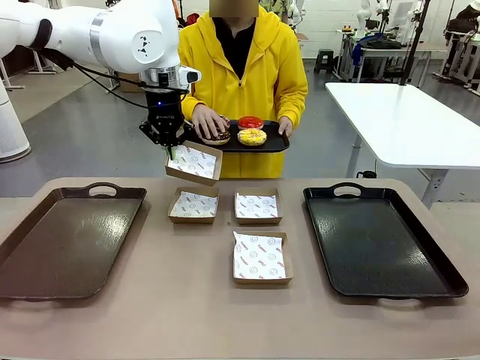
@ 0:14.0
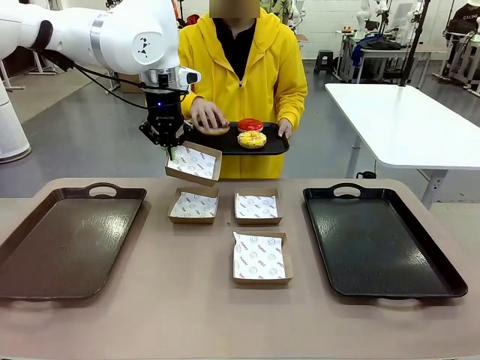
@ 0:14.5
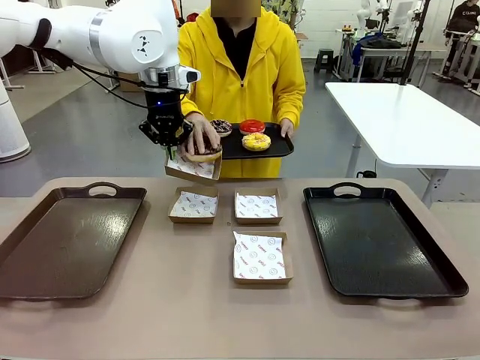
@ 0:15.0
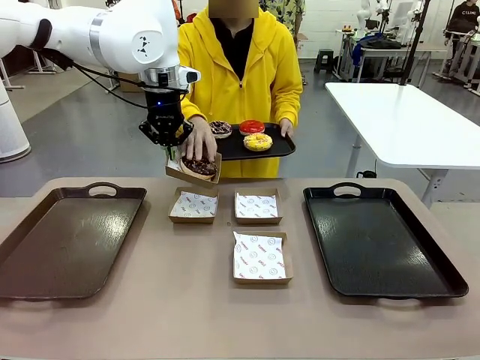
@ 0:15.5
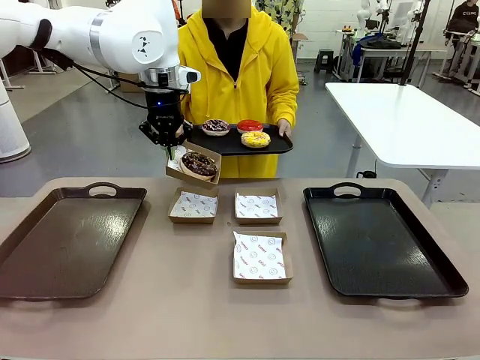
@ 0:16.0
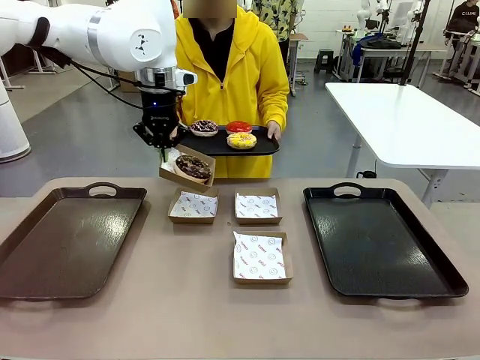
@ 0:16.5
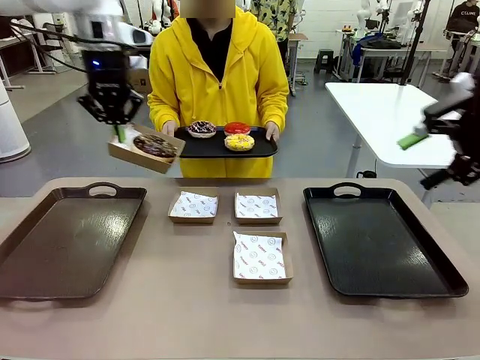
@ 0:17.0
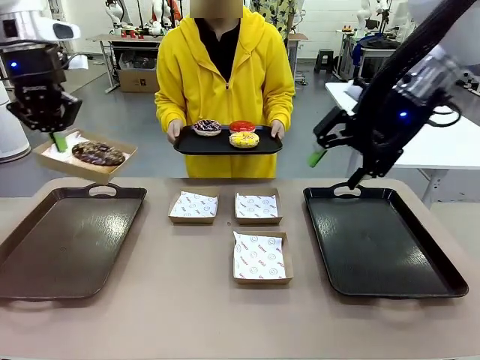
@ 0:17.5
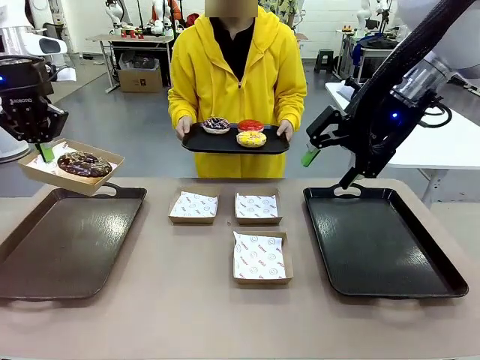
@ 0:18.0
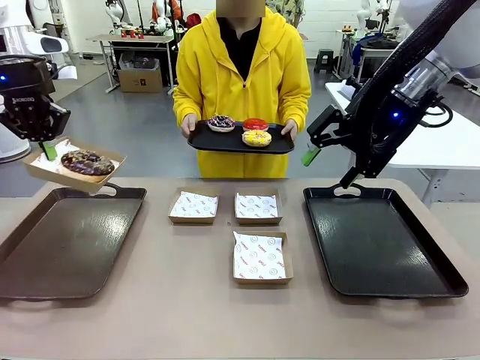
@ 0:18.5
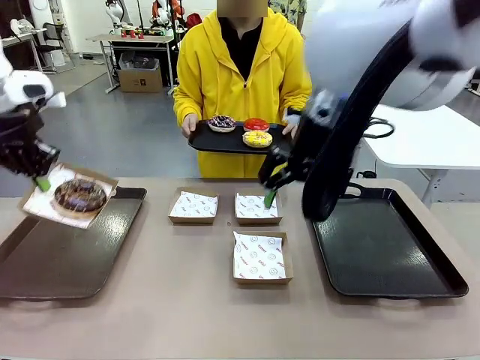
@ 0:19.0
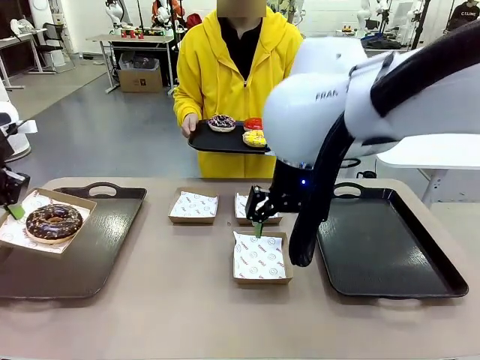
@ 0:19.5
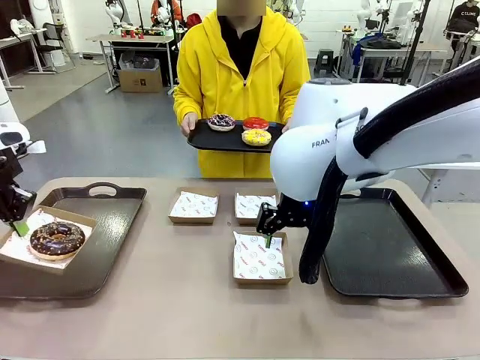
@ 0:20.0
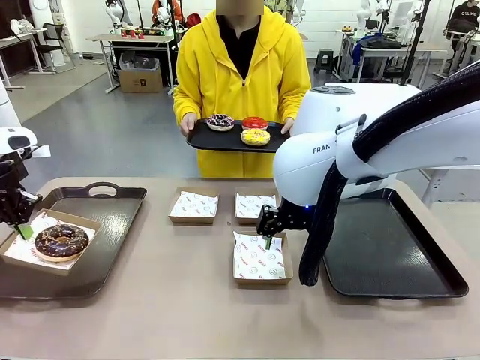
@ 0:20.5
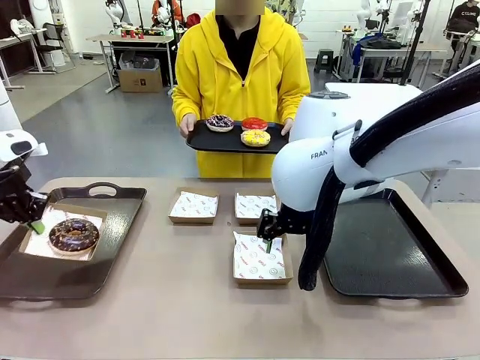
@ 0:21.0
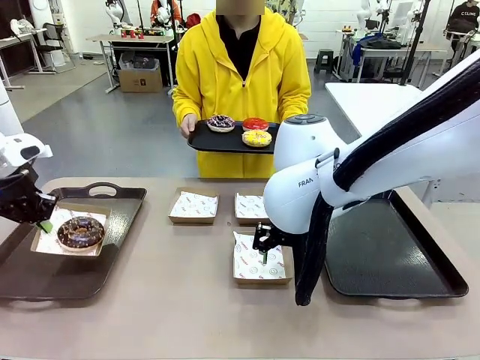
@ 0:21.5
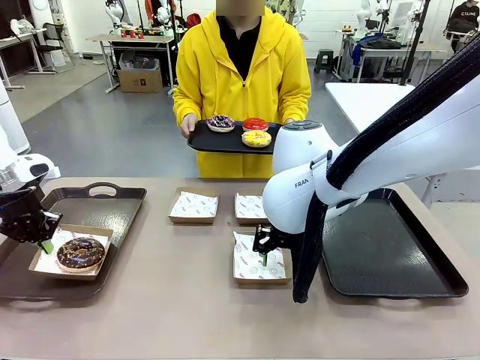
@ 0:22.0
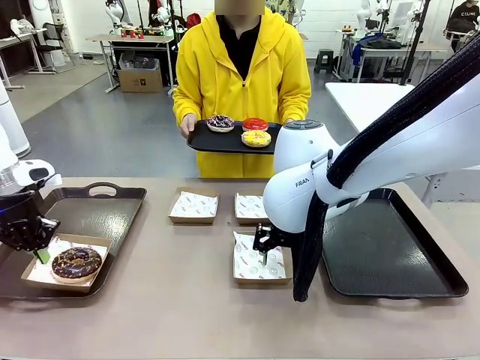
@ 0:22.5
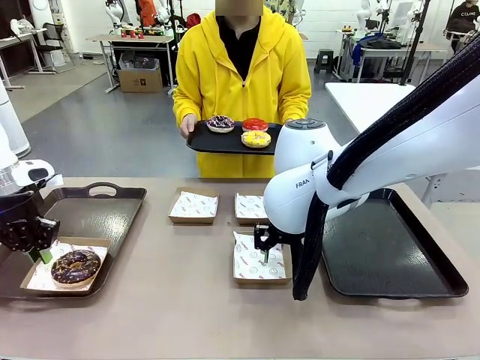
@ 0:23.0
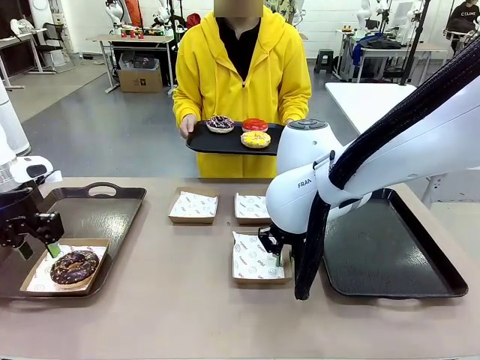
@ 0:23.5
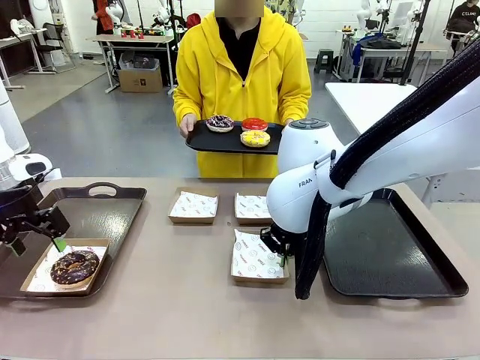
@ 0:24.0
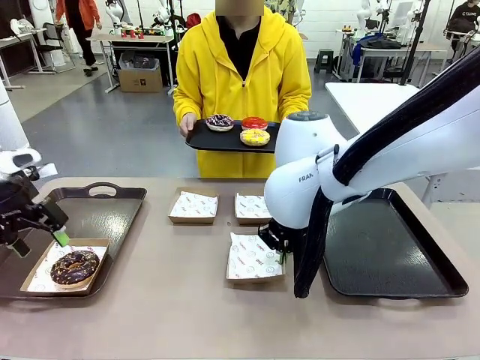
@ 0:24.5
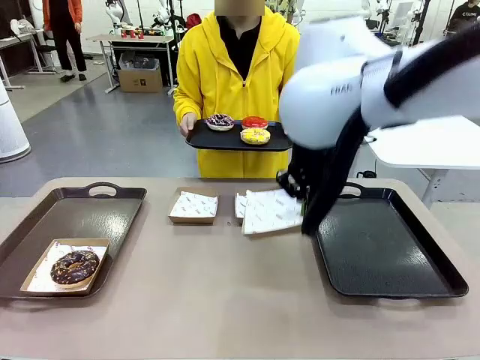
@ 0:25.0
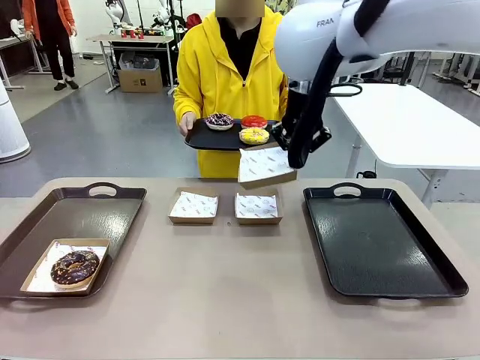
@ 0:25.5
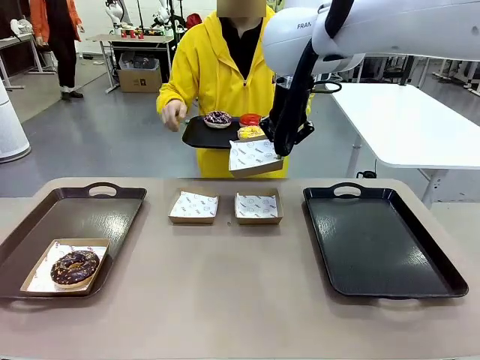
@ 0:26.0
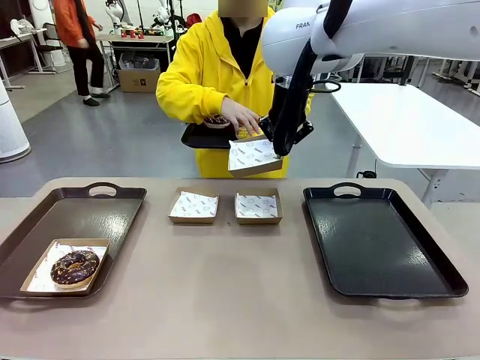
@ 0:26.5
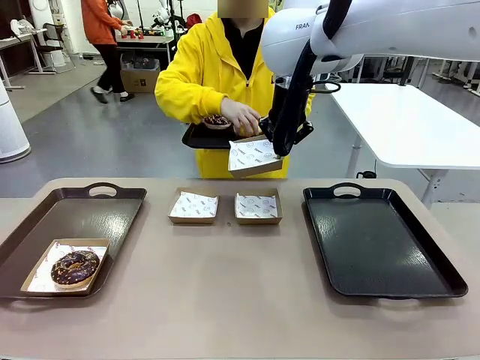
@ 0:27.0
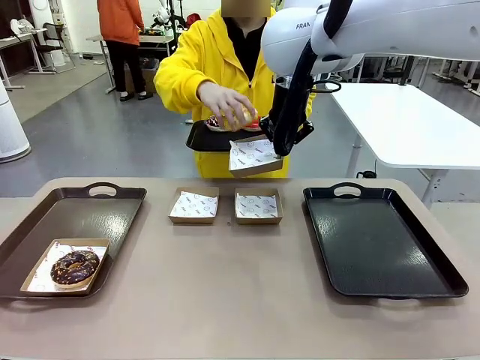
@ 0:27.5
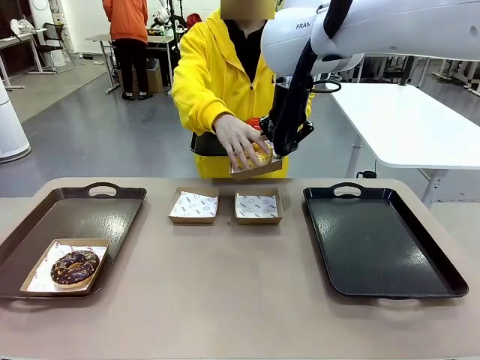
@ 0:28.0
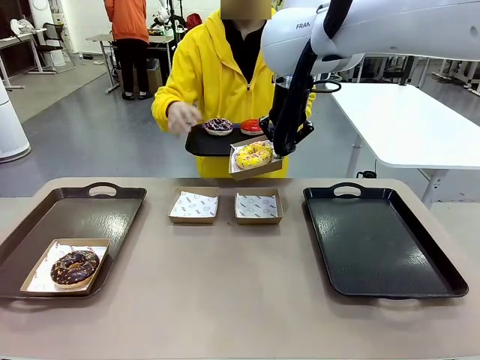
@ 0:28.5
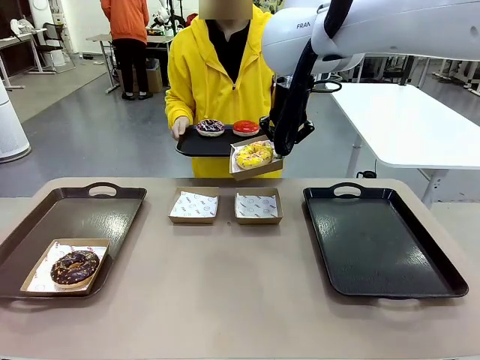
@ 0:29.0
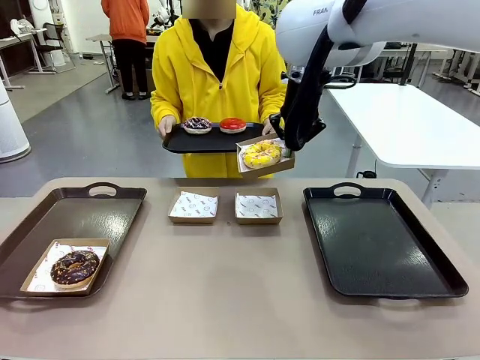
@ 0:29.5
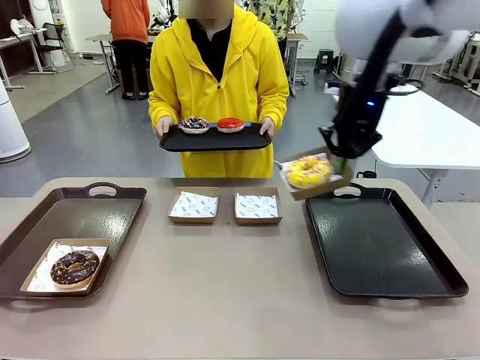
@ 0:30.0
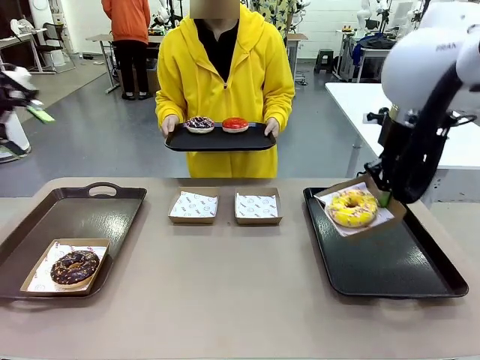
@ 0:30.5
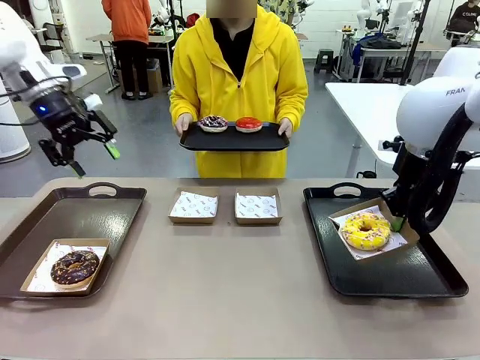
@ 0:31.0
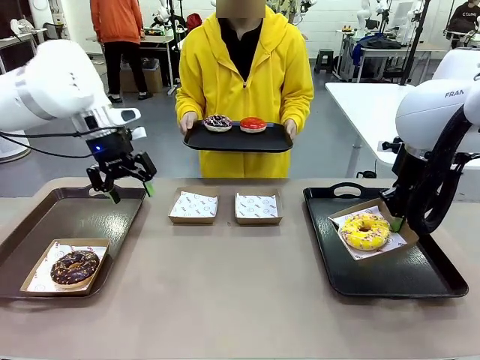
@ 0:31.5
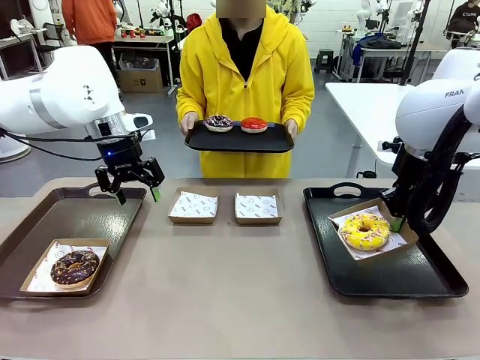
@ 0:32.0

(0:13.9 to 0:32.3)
Task: Individually package the donuts and arrange them on the tray.
Robot: Place the picked Paper togo box on the Handle tray while simultaneously picking up another Paper togo box from the table with the other hand.

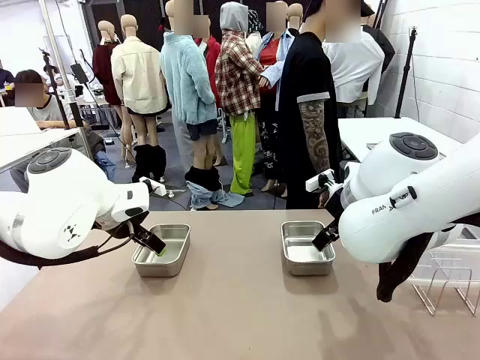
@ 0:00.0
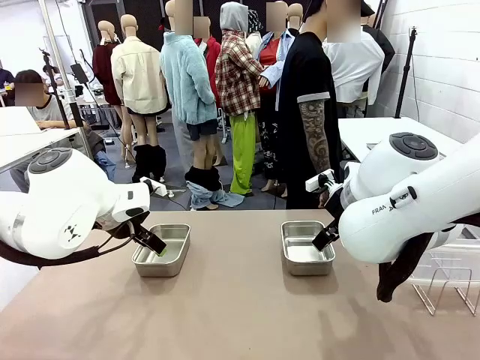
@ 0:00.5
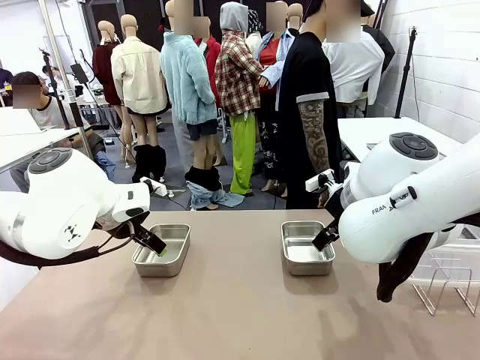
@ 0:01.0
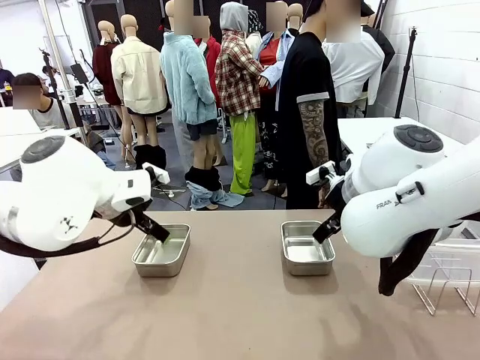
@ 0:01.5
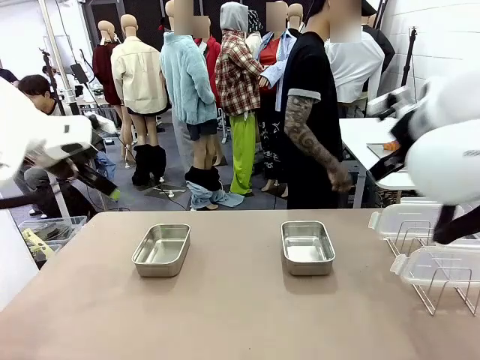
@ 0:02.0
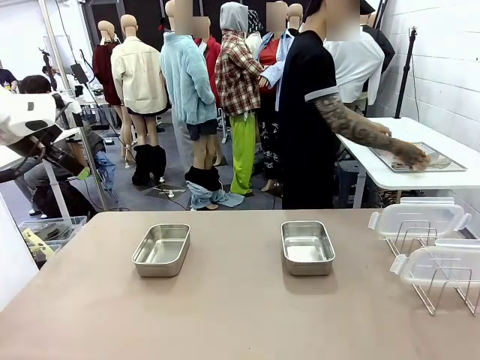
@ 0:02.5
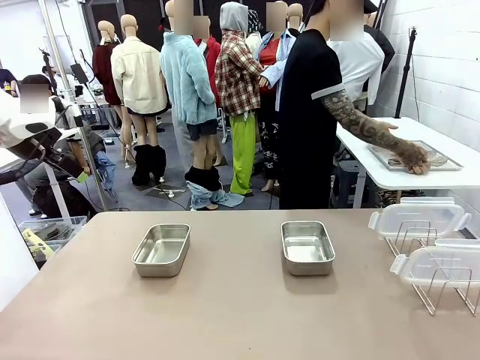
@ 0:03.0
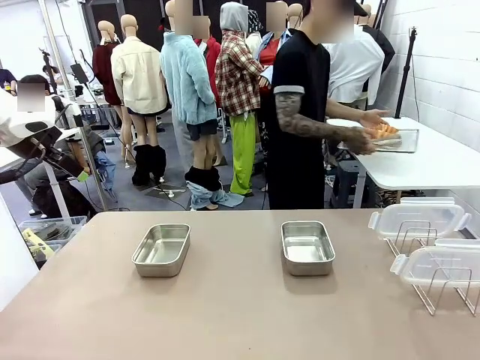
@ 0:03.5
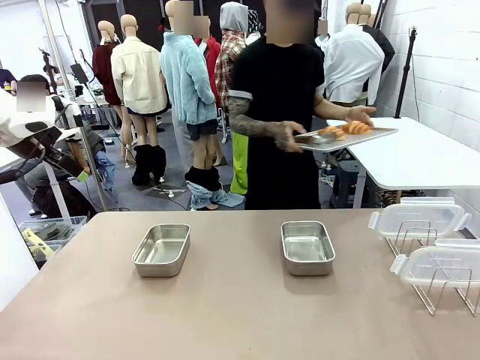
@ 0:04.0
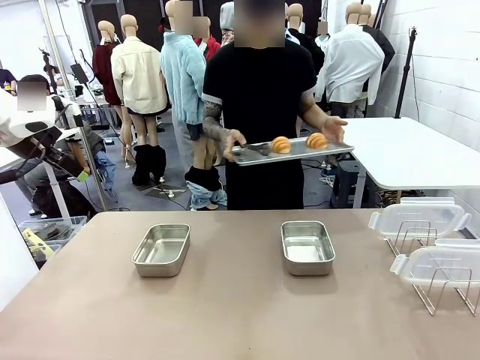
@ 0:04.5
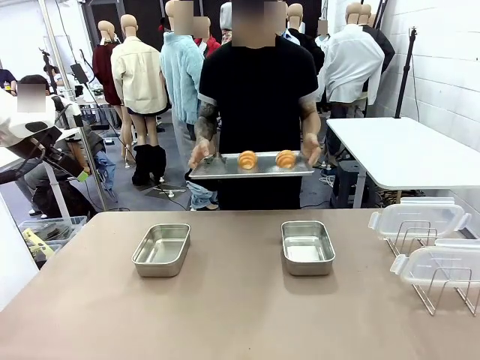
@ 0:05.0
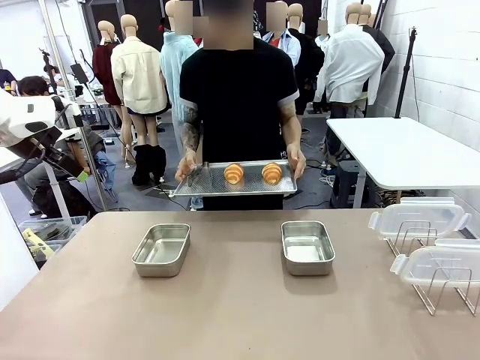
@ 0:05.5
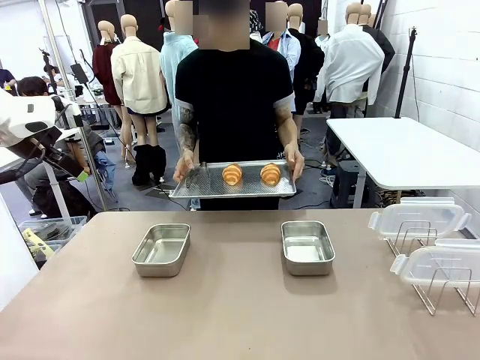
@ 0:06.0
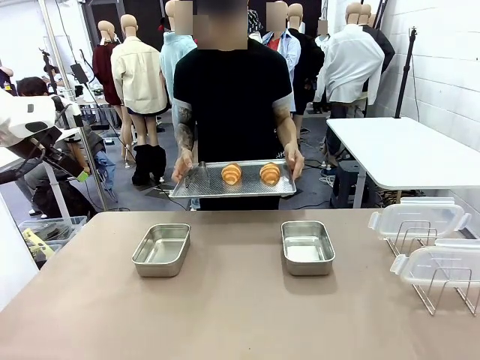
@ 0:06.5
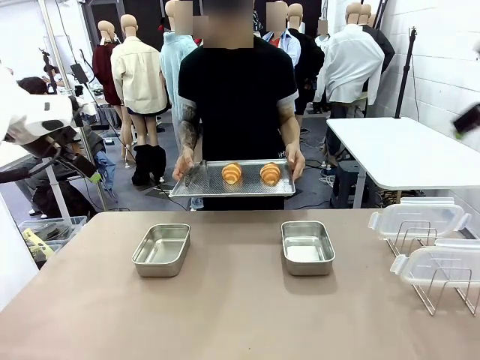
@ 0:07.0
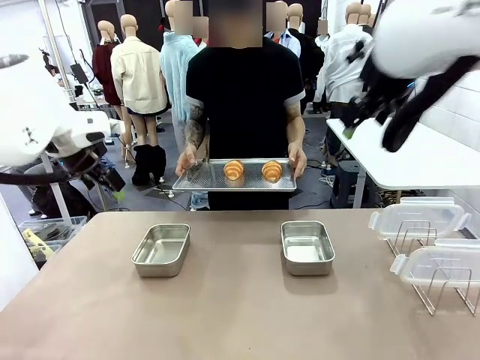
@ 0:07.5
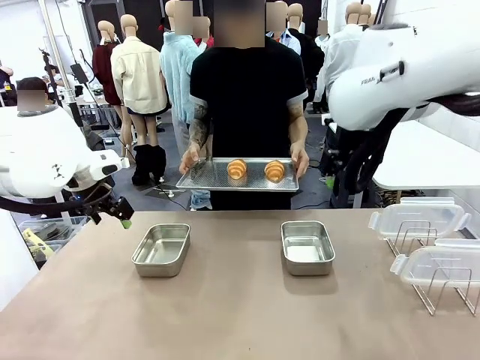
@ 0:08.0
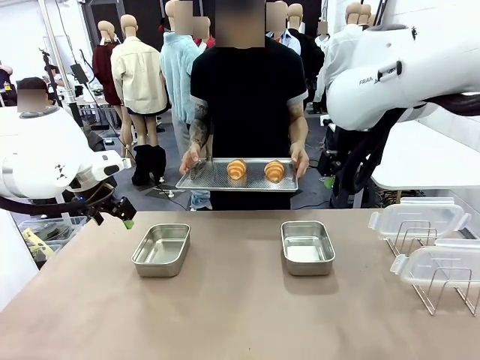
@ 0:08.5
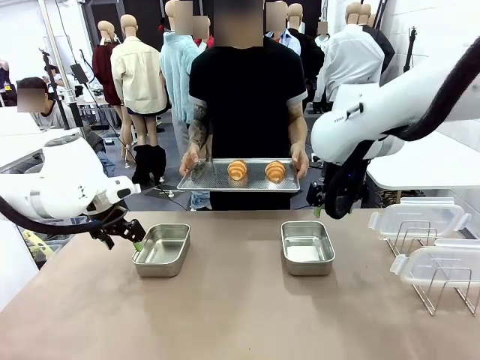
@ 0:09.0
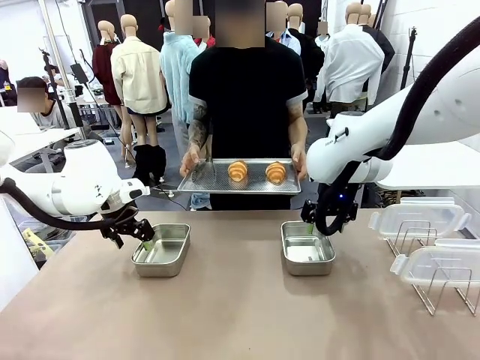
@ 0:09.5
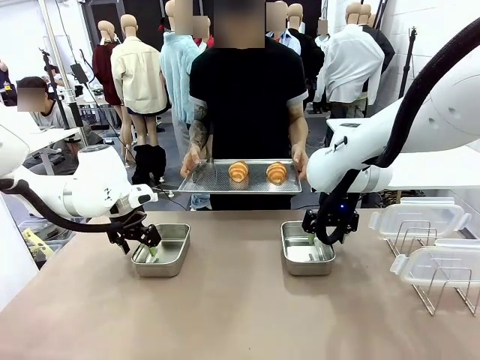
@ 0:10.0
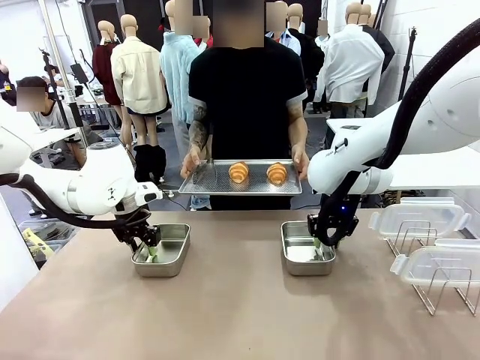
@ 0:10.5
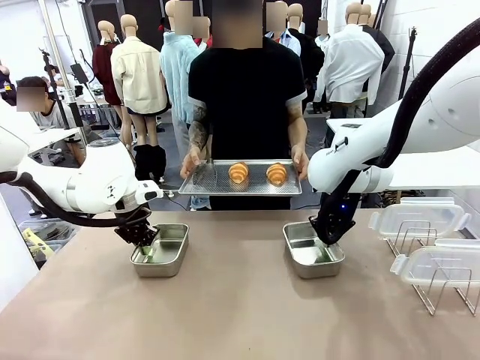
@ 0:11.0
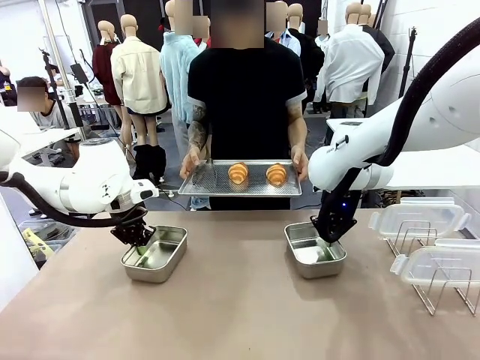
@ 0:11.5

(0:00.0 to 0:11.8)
Task: Place the bread in airtight containers.
Robot: Lift both Airtight Container.
Person: Bring the Baking Sheet in front of Robot's Table.
